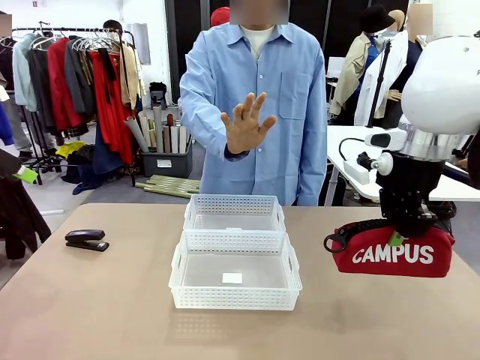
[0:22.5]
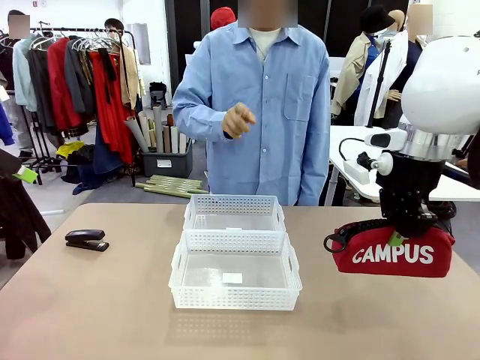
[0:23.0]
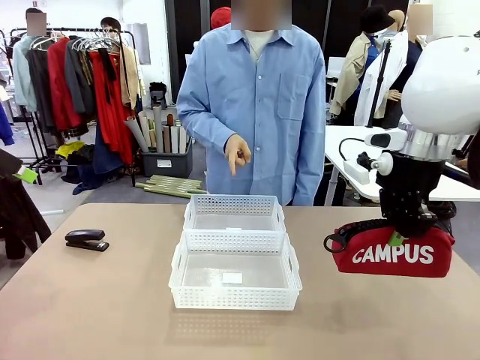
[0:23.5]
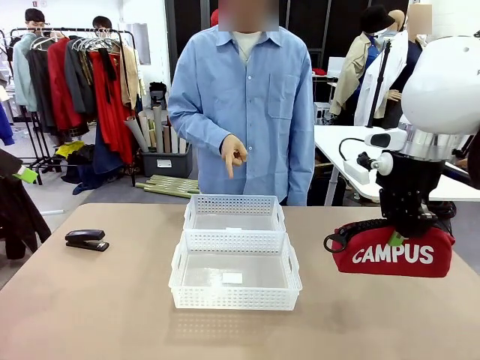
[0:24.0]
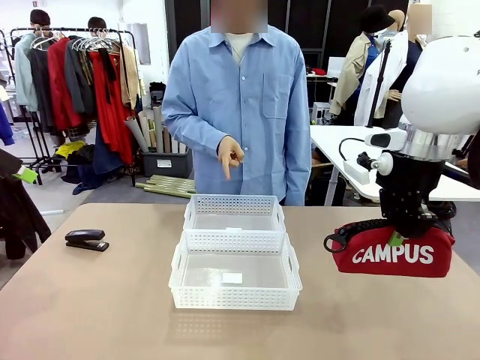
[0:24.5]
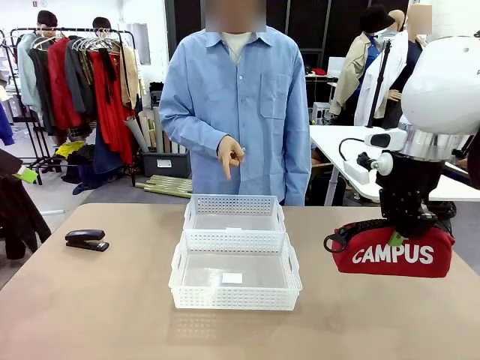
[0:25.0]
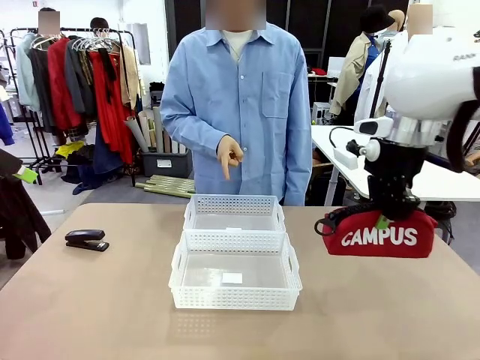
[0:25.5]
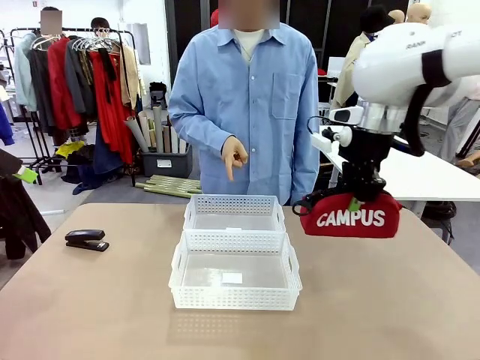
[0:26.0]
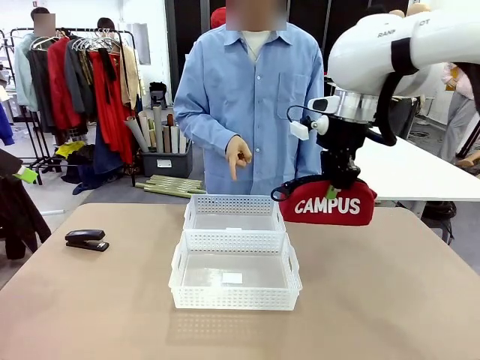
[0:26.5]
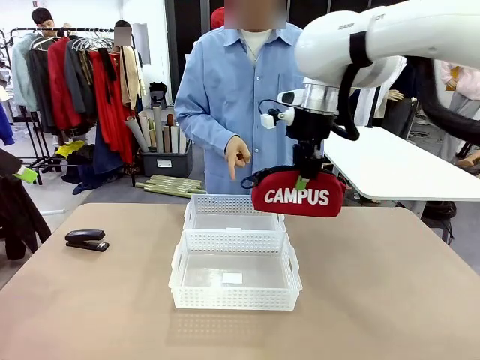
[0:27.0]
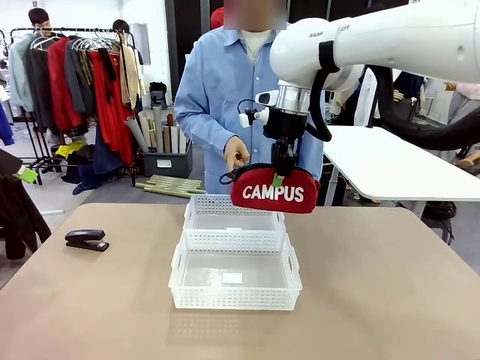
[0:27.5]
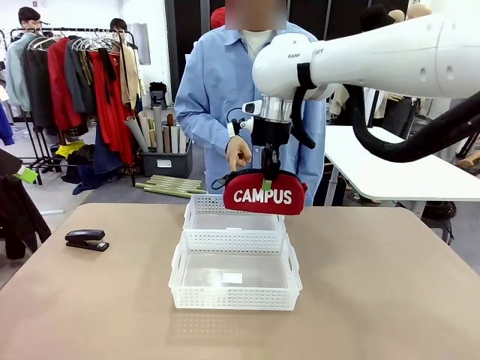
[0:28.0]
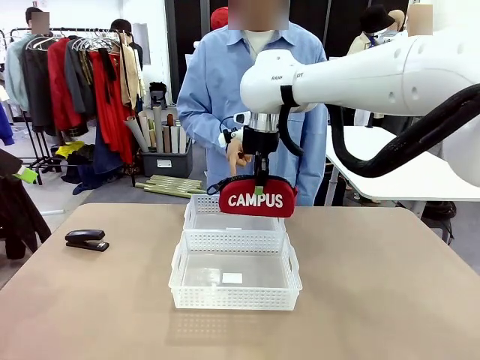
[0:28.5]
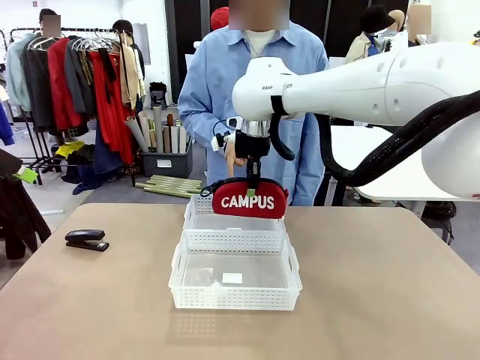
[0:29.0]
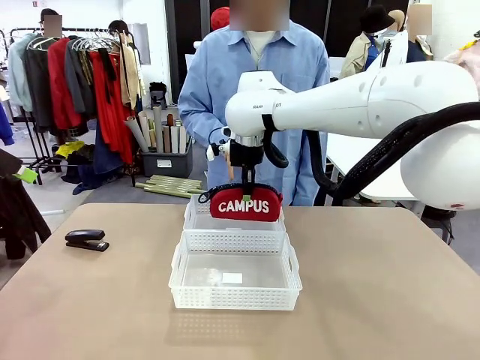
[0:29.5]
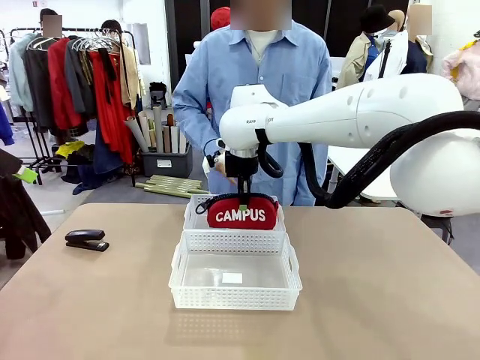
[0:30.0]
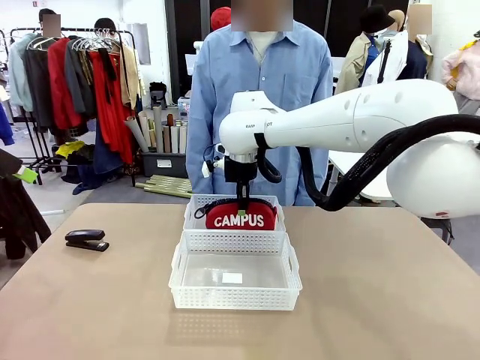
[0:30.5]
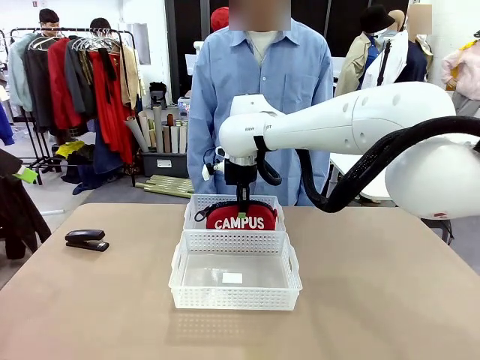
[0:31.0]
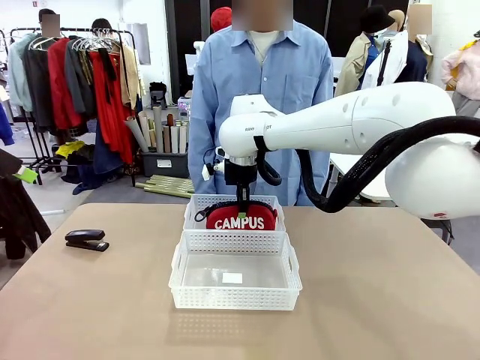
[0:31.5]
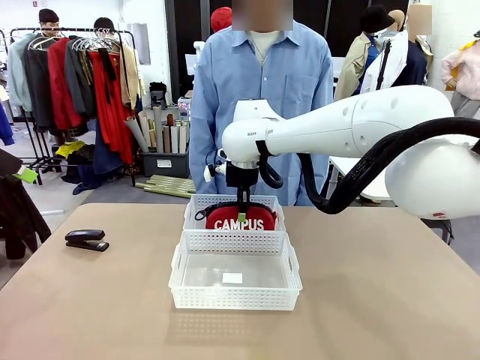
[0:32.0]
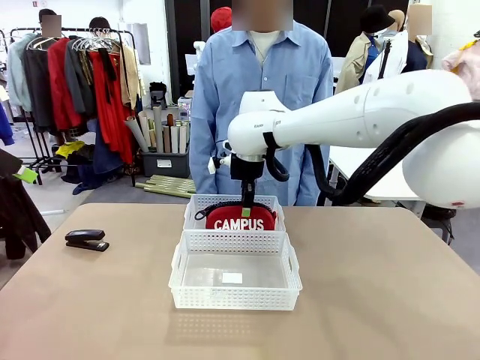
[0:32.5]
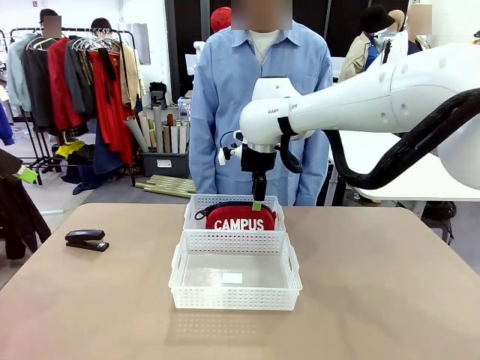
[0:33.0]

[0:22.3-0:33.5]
Task: Distribute items into two baskets.
Robot: Place the picked Pencil pouch into the Organizing basket as instructed by the person.
Person: Instructs the robot to place the pencil case into the opposite basket. Points to the stapler.

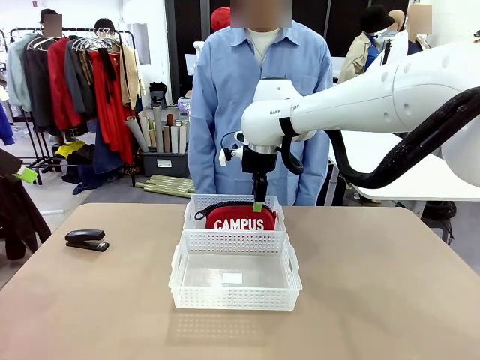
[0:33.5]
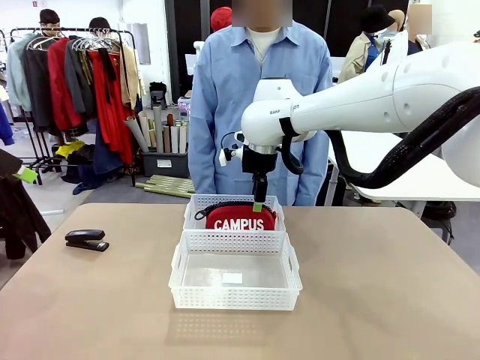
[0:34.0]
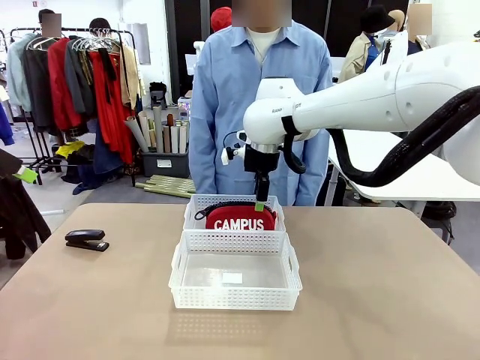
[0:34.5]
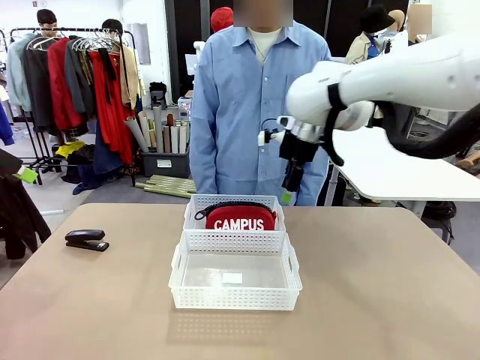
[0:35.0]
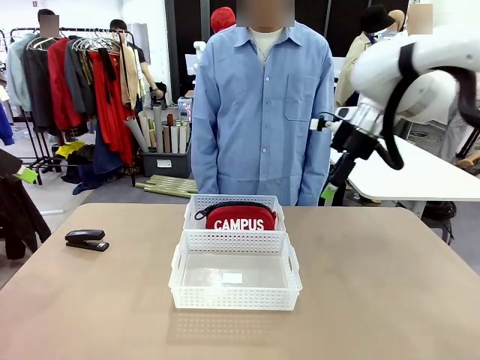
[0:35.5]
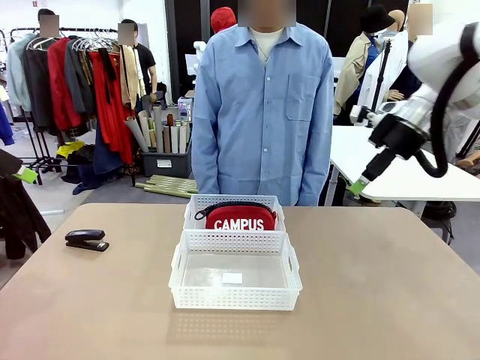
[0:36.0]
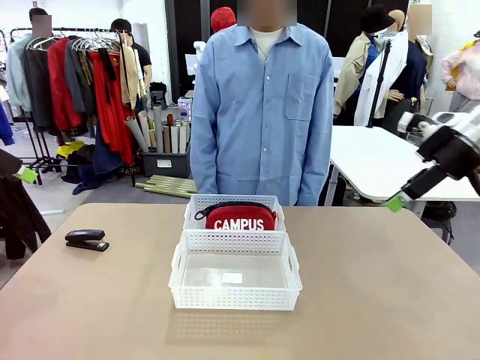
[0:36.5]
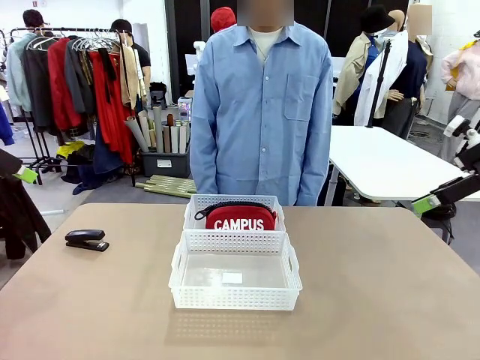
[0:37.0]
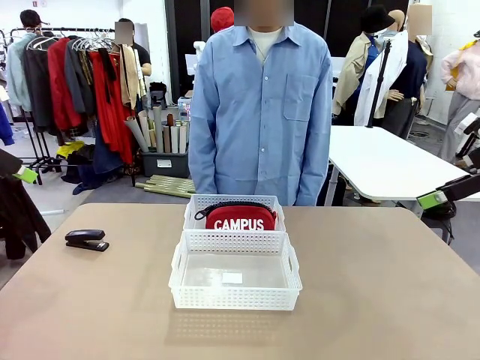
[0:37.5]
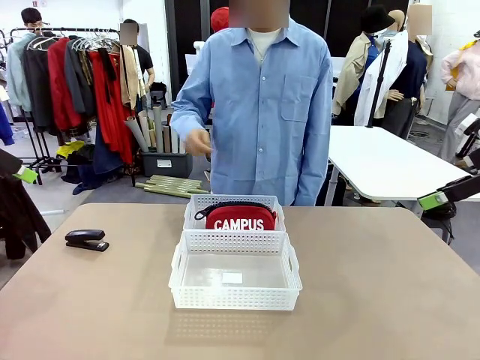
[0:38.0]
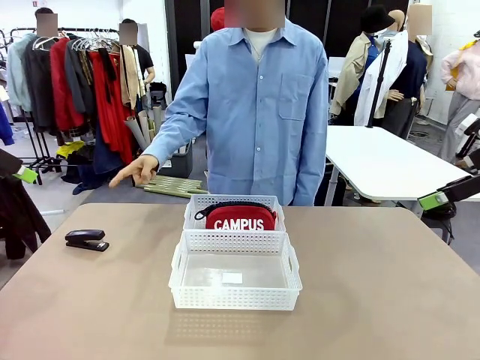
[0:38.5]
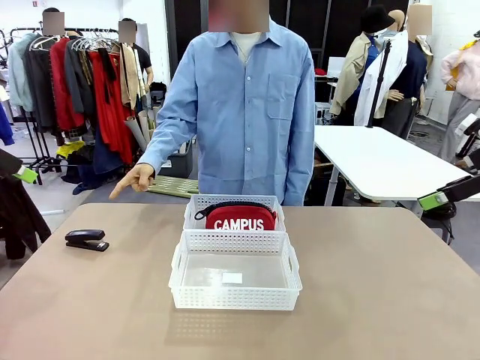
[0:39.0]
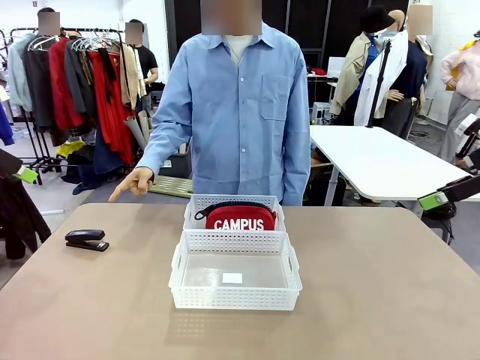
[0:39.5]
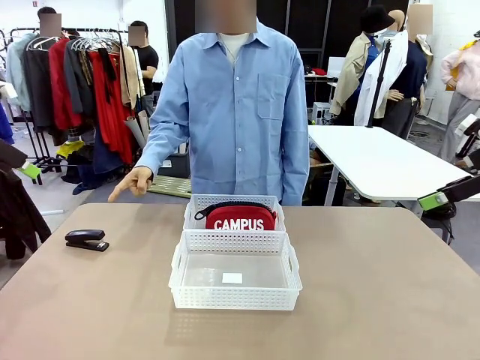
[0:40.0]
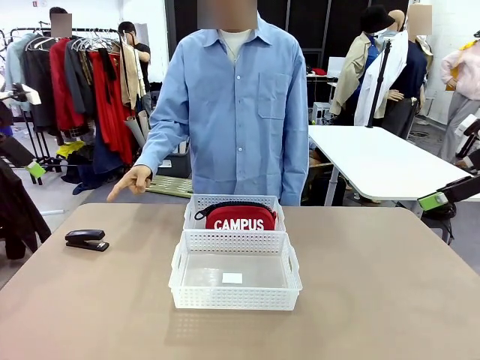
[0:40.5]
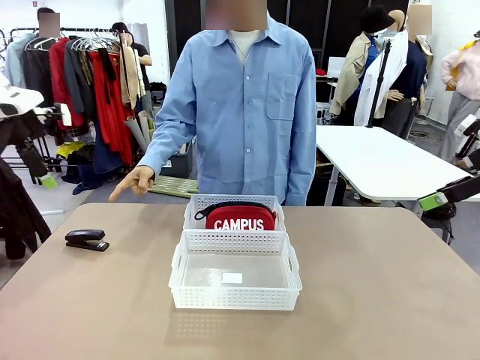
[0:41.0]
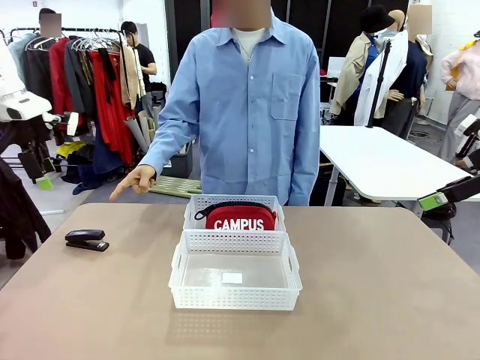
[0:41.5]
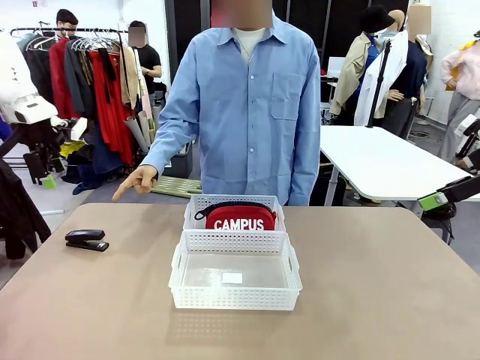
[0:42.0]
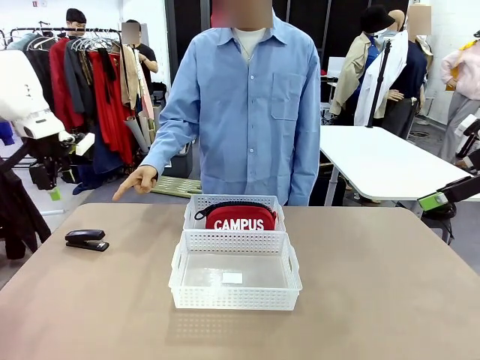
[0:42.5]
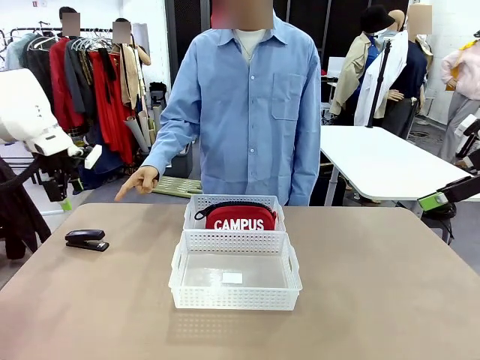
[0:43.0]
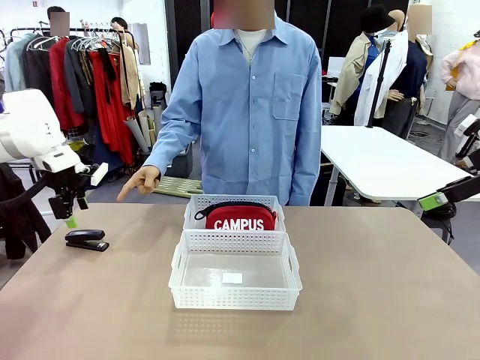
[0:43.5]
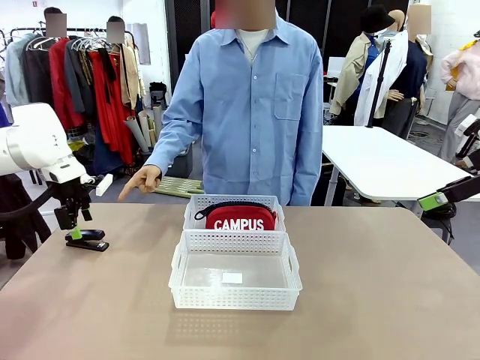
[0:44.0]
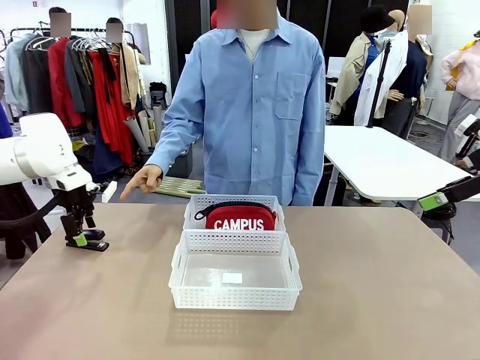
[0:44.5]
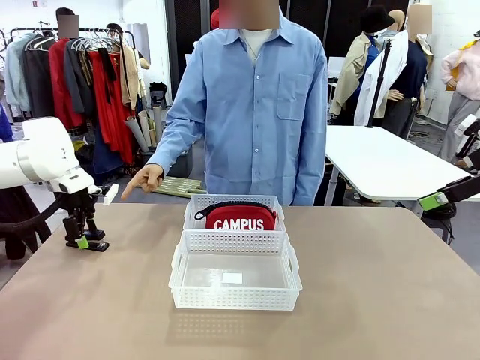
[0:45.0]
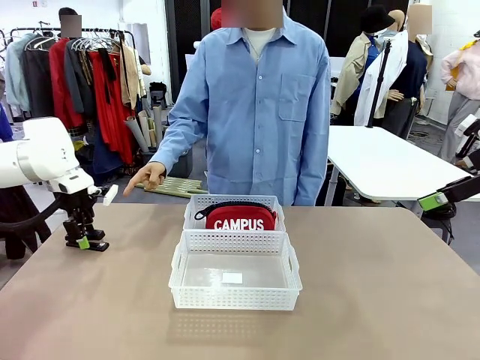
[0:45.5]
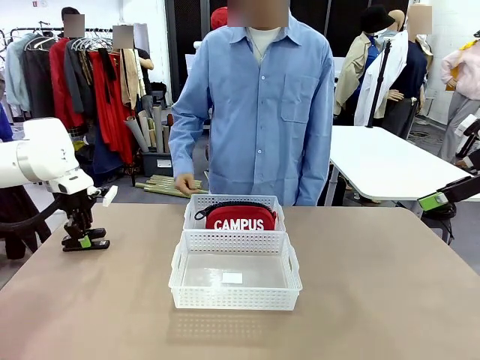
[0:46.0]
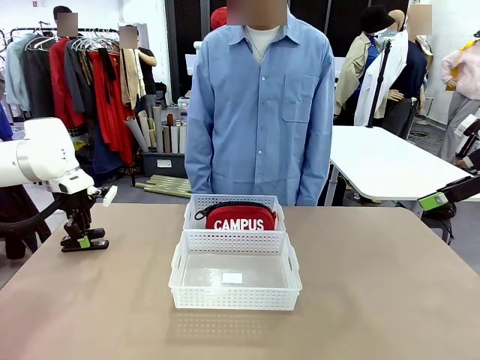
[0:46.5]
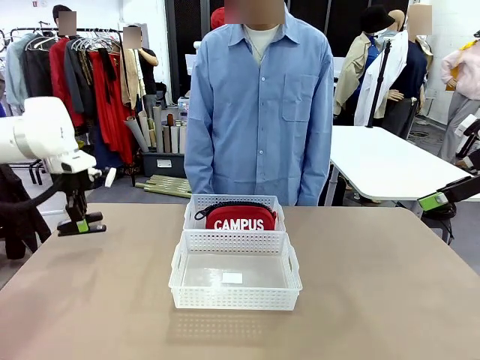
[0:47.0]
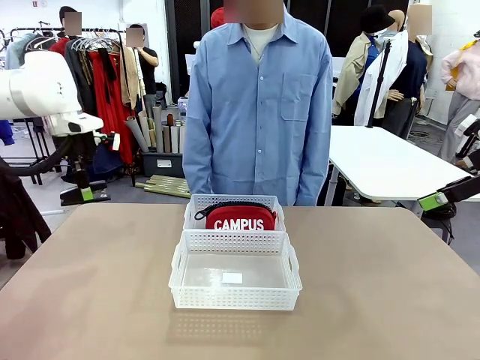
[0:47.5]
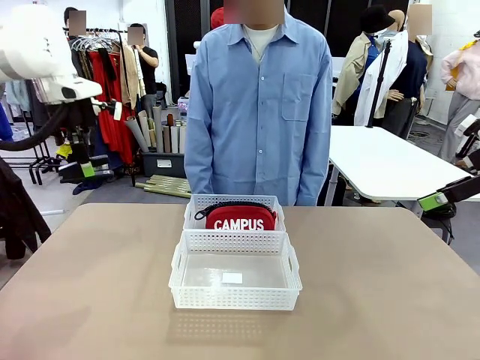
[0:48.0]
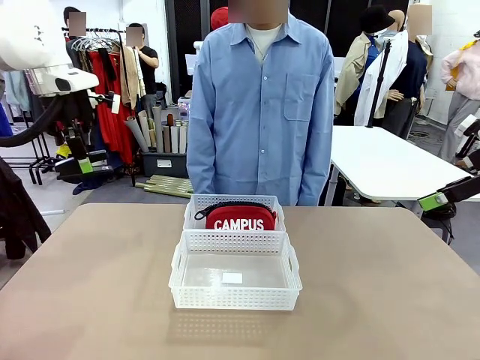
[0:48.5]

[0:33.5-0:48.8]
Robot: Pick up the Stapler that the person points to.
